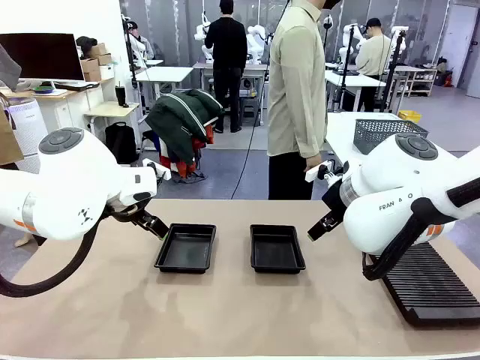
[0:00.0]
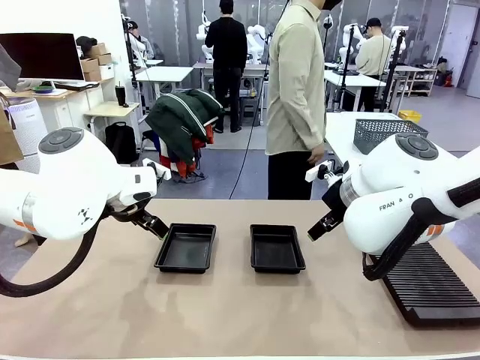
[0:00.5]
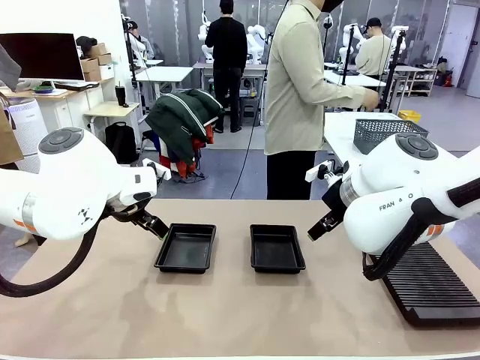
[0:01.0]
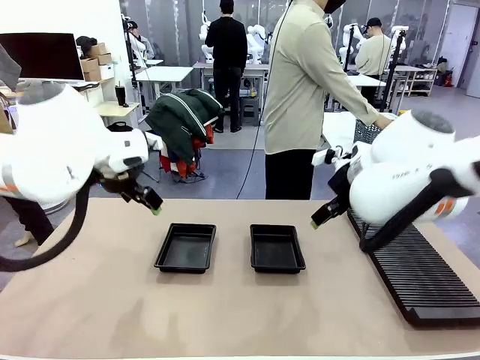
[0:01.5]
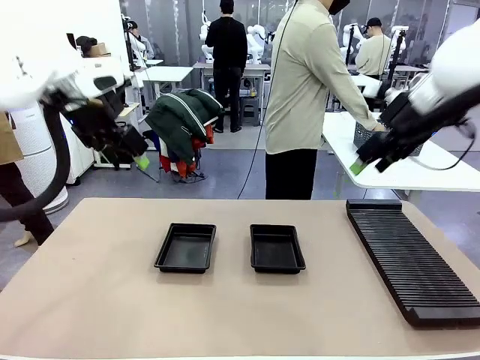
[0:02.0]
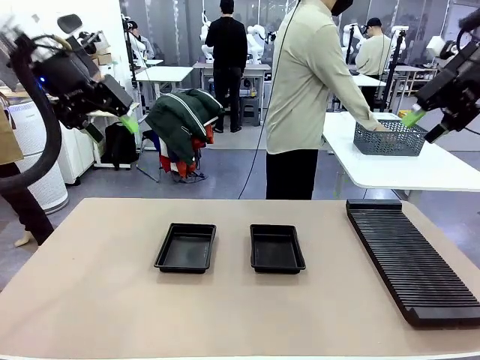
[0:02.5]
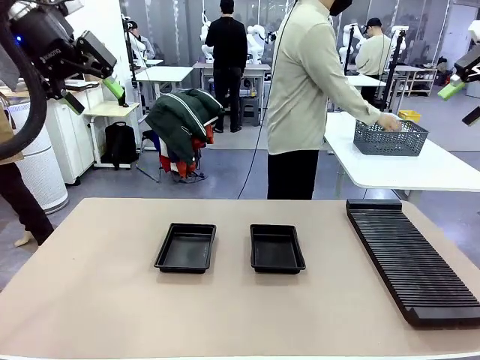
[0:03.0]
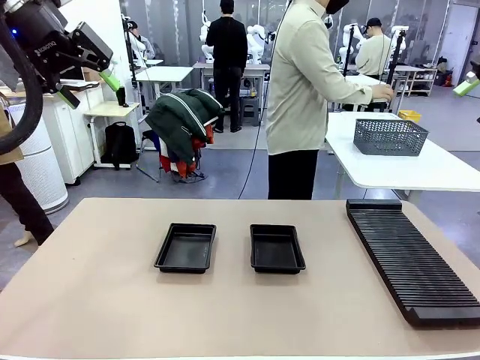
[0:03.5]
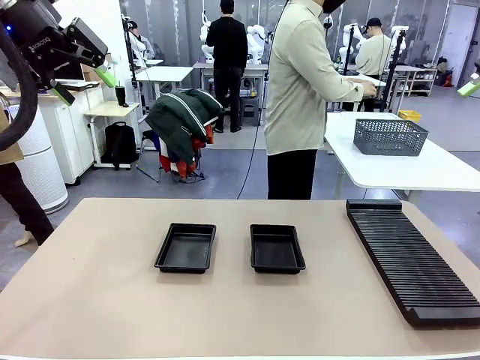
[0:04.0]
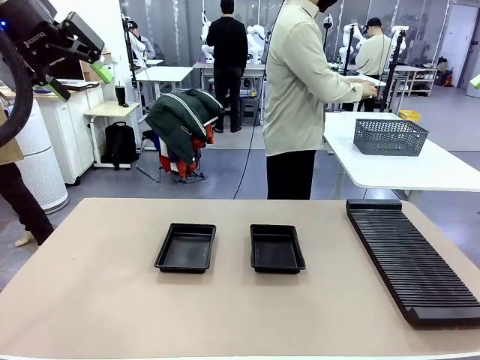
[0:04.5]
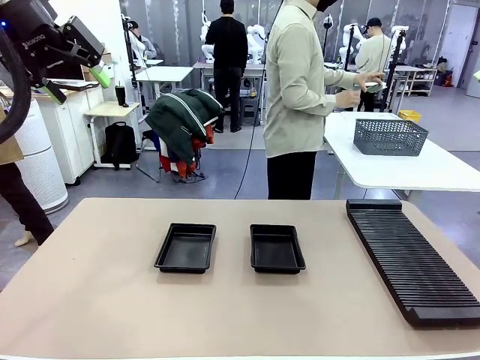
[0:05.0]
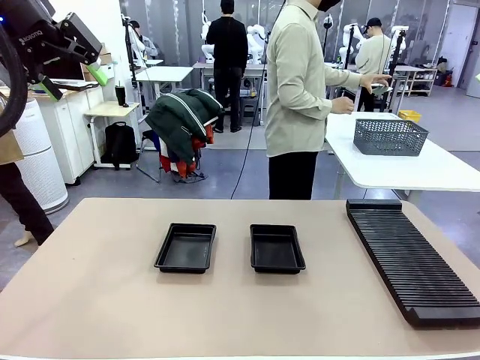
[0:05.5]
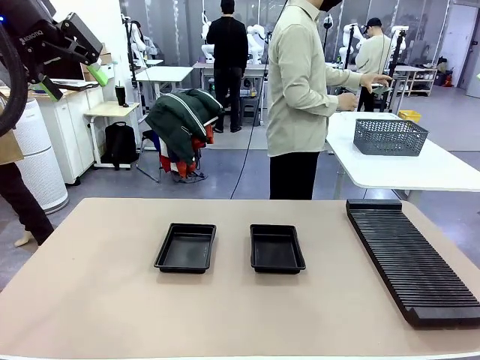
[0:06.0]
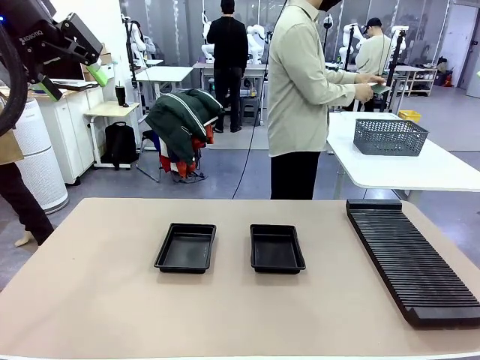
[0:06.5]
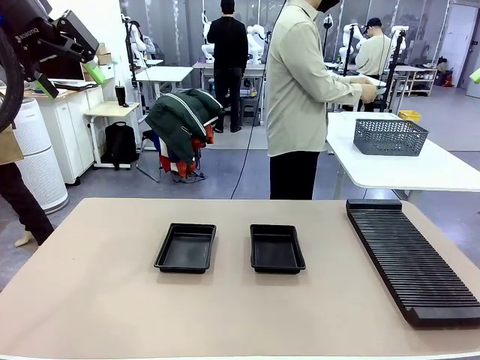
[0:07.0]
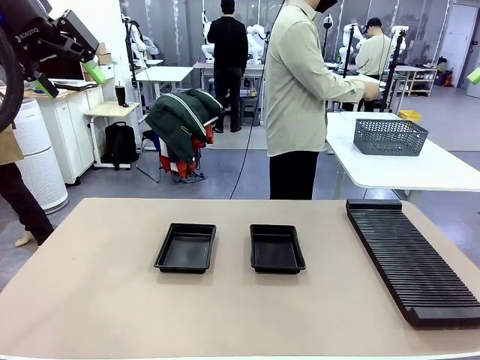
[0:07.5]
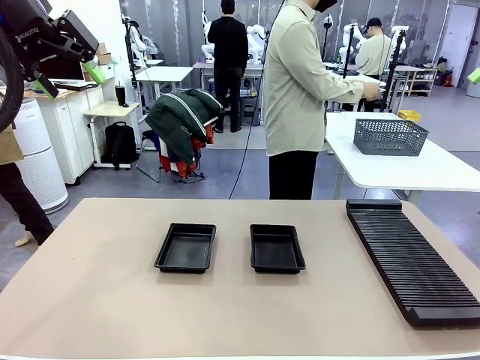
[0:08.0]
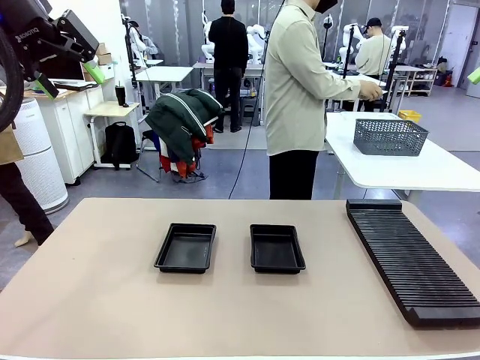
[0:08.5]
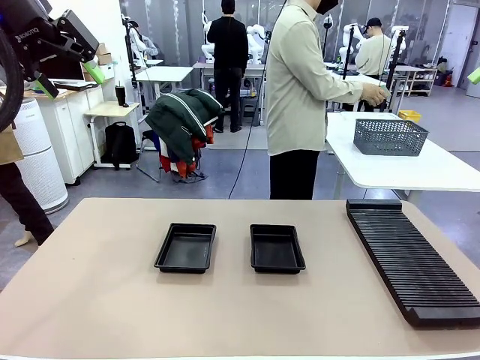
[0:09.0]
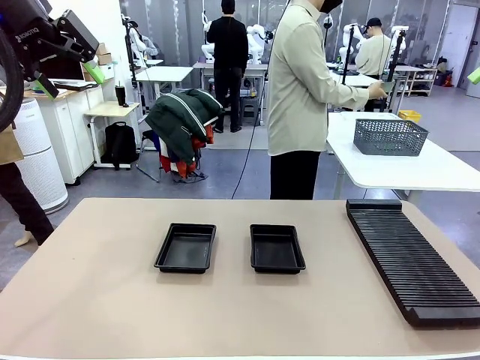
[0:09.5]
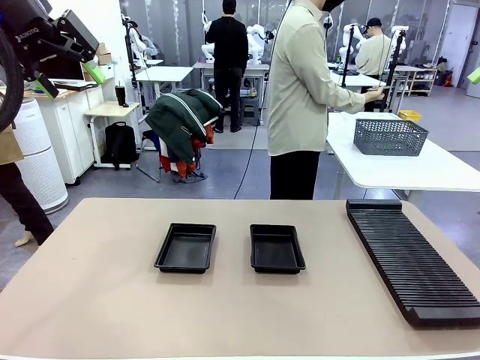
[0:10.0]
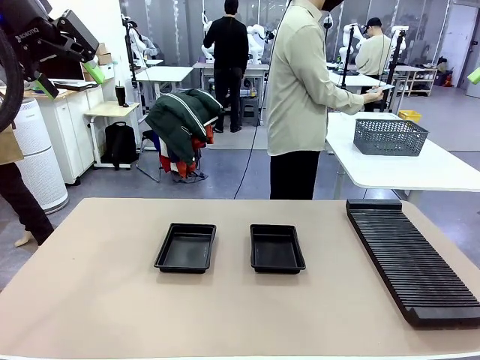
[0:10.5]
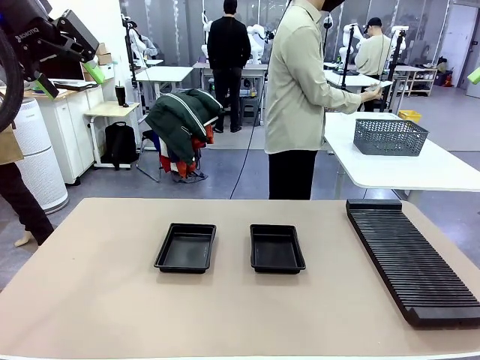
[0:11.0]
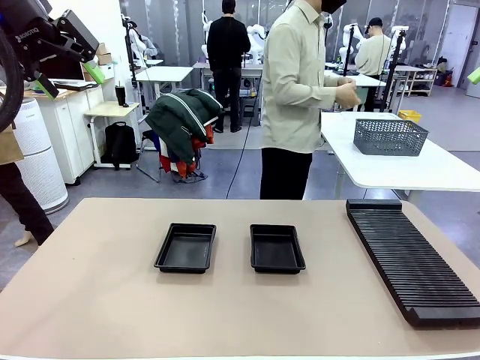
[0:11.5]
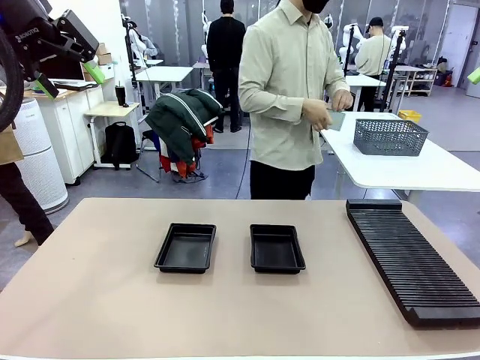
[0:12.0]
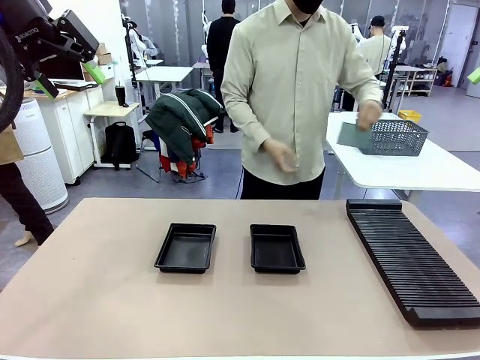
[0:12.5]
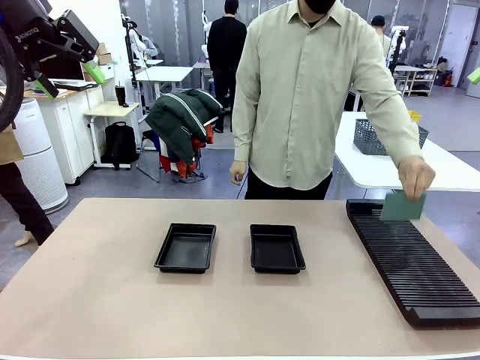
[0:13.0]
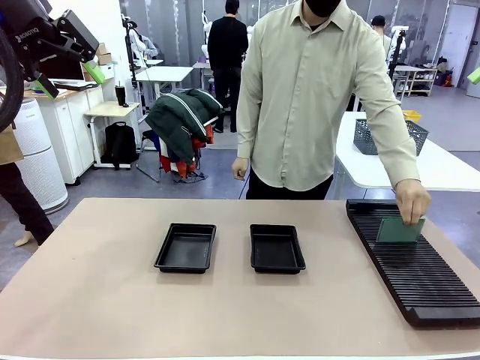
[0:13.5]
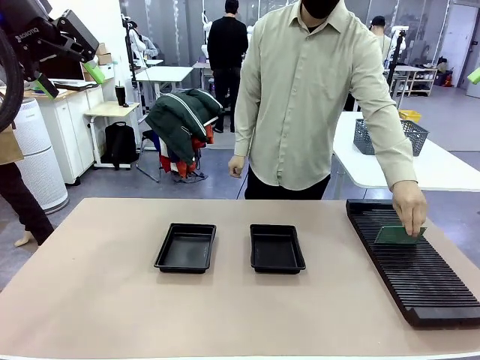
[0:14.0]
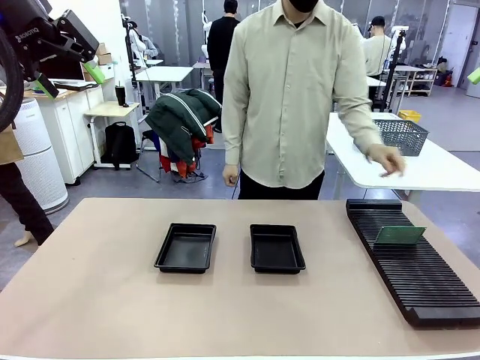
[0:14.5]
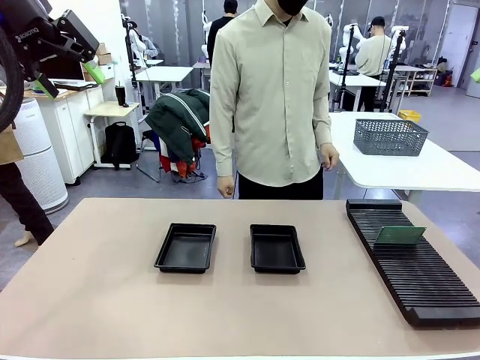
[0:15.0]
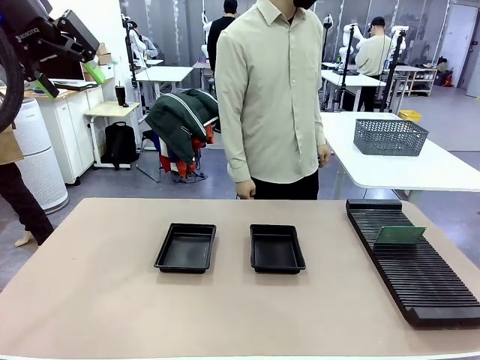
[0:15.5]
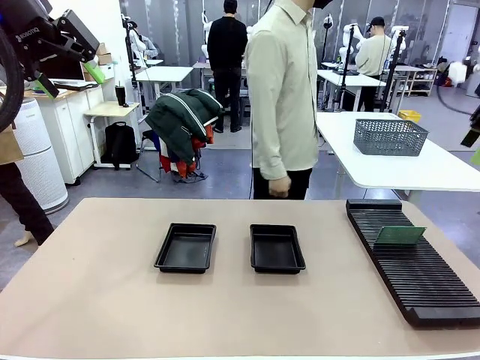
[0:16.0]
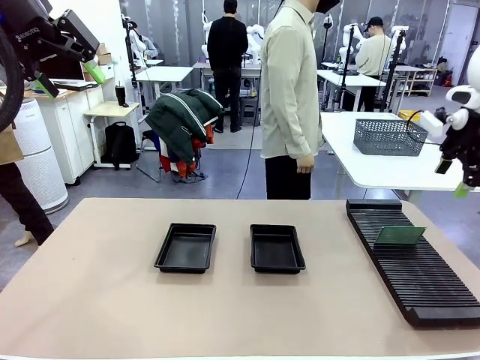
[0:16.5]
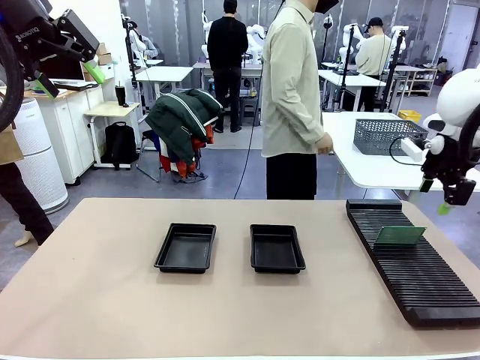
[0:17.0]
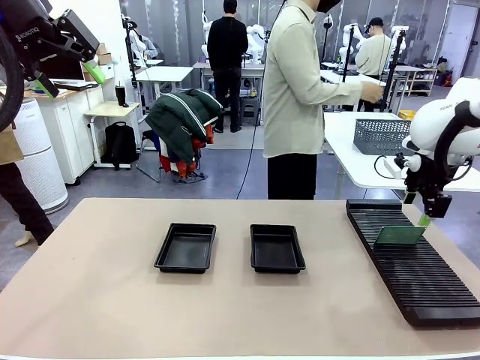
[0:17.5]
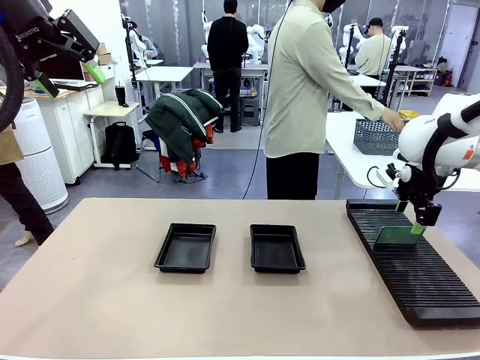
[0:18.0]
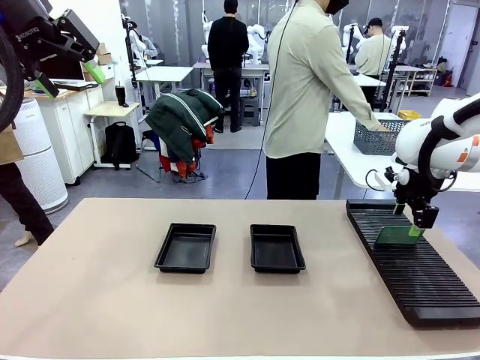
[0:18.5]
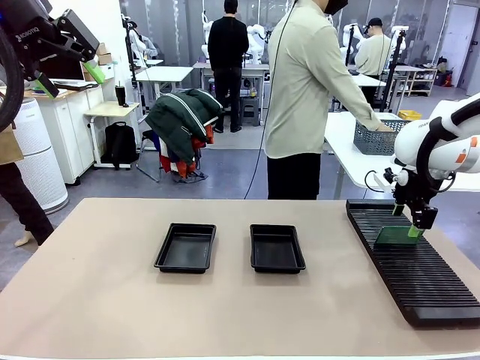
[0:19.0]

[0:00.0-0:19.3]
Task: Inspect and transfer BCBs to ESD trays.
Robot: Pick up the Blank PCB from the PCB Rack and place it in the left ESD tray.
